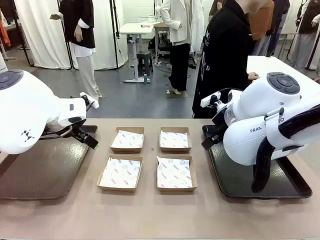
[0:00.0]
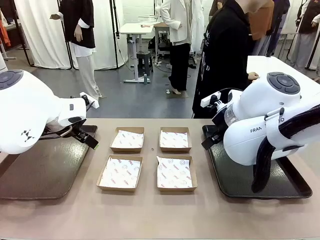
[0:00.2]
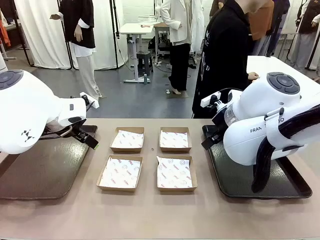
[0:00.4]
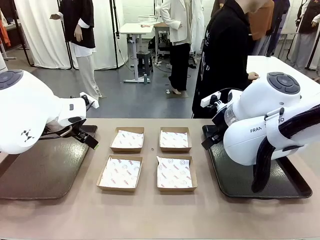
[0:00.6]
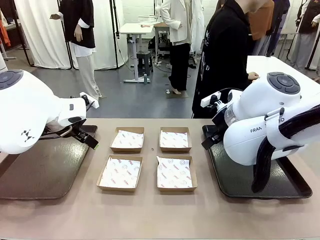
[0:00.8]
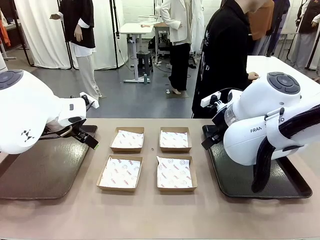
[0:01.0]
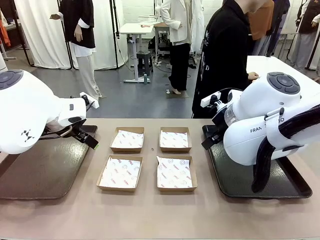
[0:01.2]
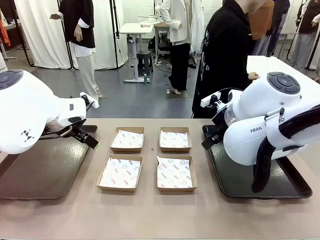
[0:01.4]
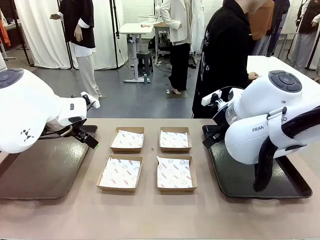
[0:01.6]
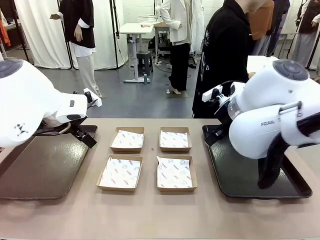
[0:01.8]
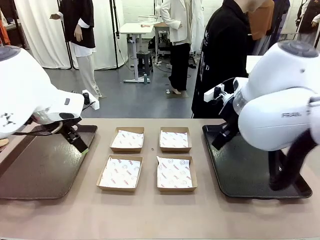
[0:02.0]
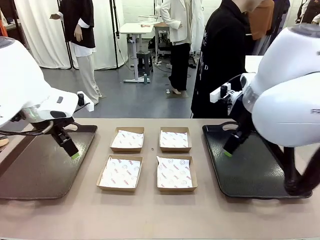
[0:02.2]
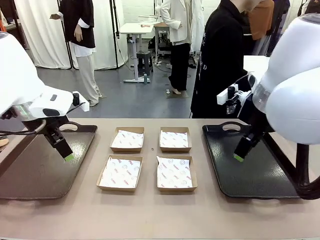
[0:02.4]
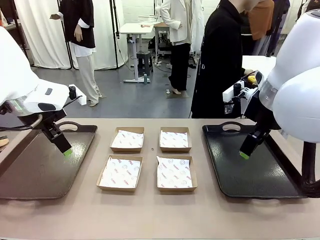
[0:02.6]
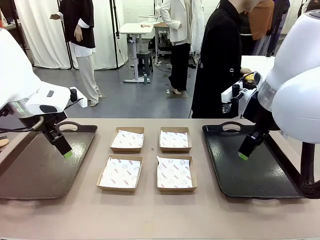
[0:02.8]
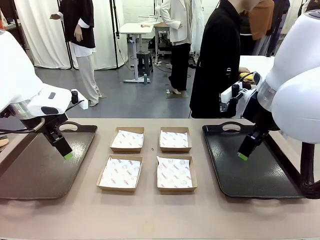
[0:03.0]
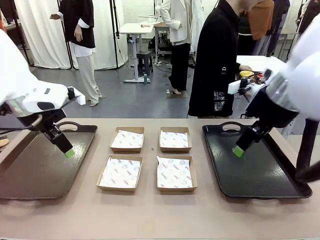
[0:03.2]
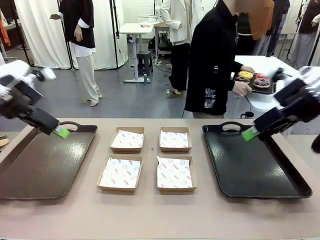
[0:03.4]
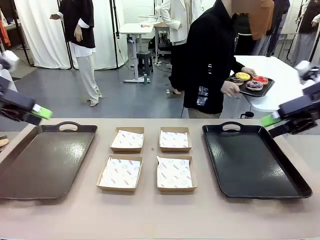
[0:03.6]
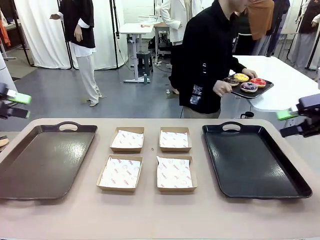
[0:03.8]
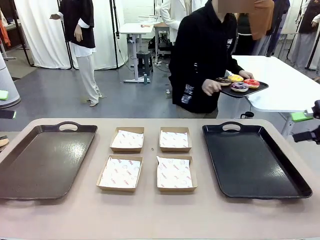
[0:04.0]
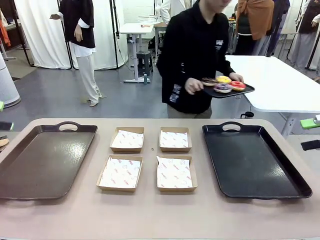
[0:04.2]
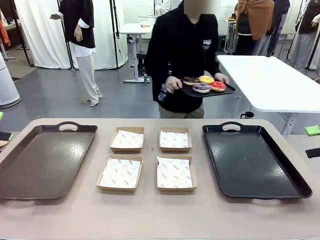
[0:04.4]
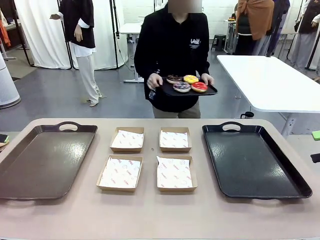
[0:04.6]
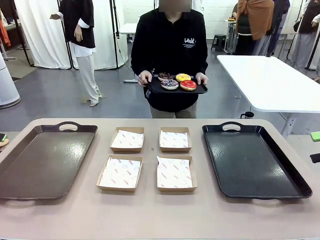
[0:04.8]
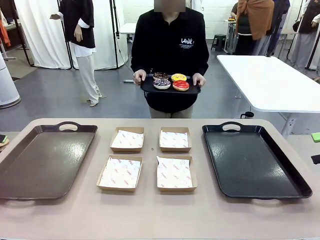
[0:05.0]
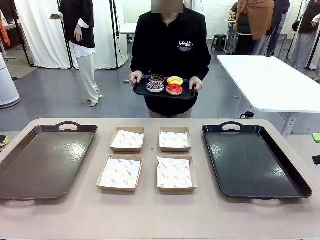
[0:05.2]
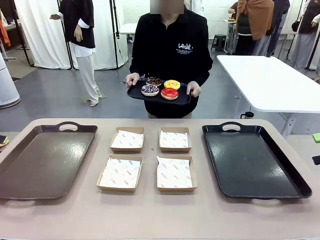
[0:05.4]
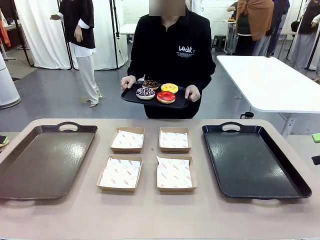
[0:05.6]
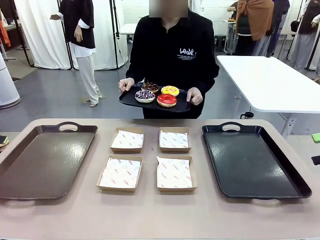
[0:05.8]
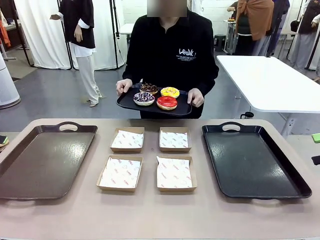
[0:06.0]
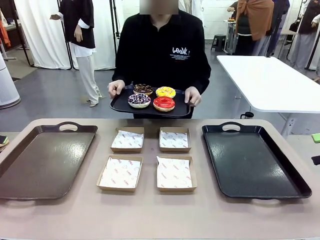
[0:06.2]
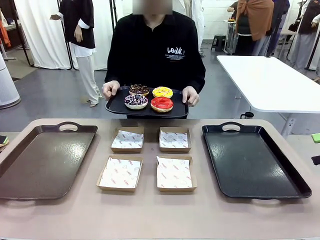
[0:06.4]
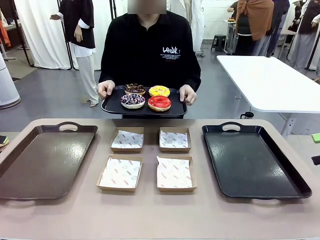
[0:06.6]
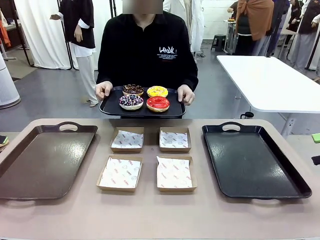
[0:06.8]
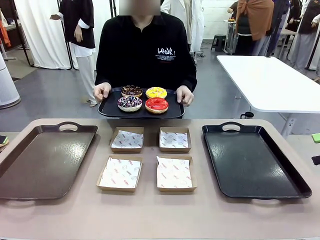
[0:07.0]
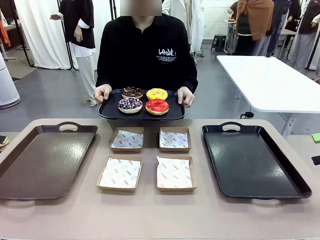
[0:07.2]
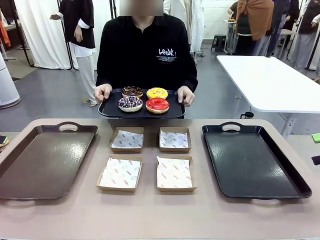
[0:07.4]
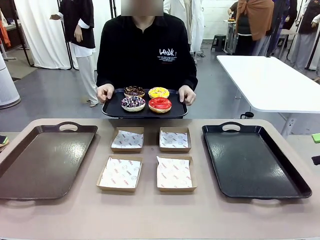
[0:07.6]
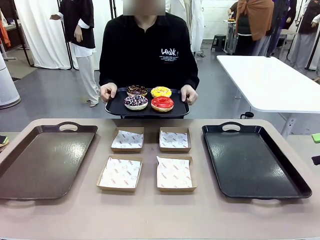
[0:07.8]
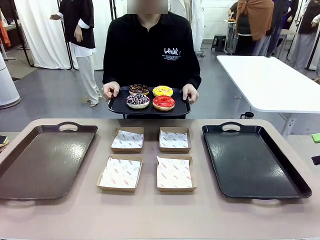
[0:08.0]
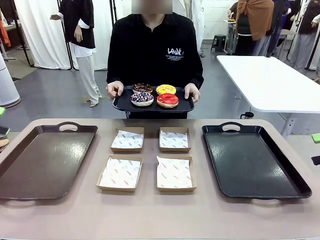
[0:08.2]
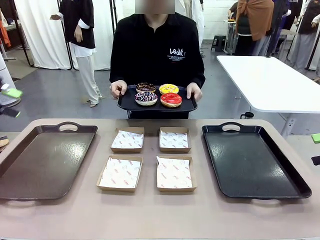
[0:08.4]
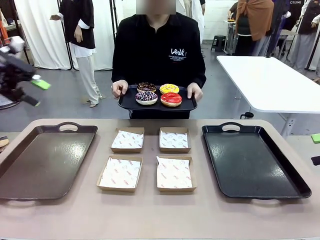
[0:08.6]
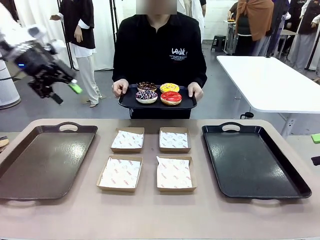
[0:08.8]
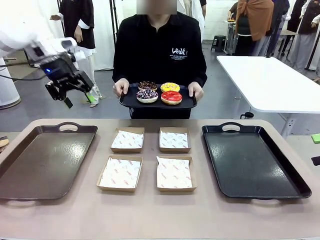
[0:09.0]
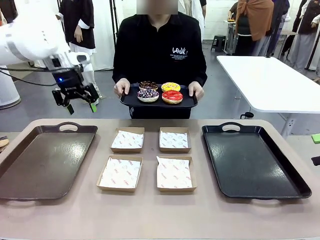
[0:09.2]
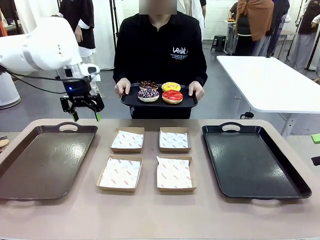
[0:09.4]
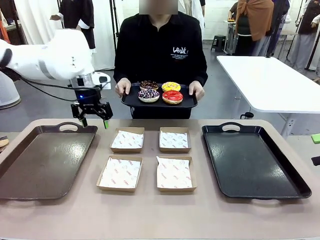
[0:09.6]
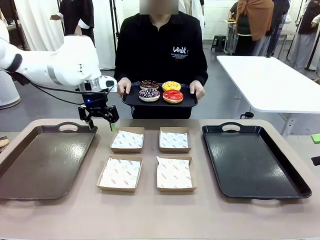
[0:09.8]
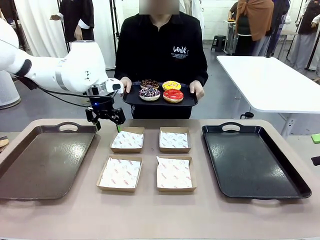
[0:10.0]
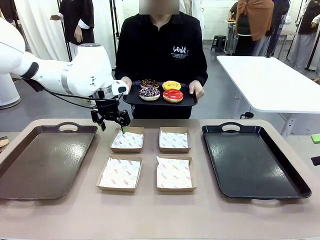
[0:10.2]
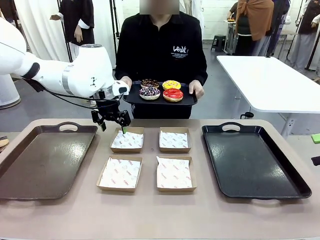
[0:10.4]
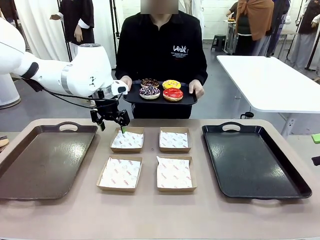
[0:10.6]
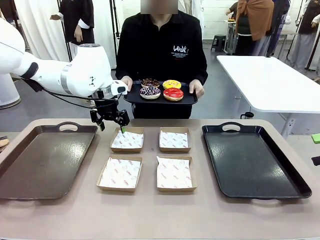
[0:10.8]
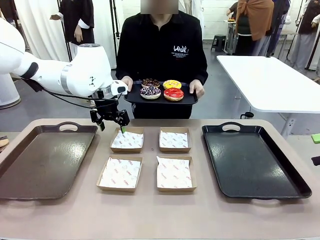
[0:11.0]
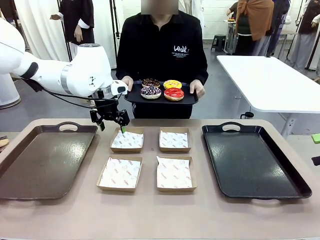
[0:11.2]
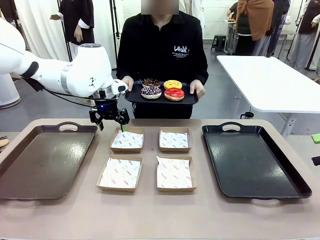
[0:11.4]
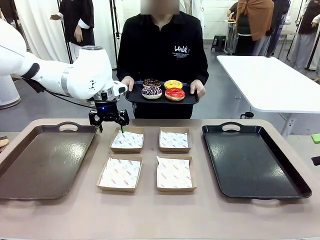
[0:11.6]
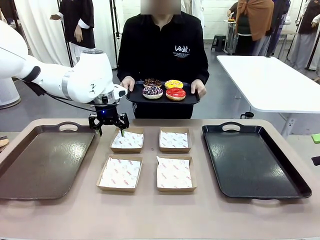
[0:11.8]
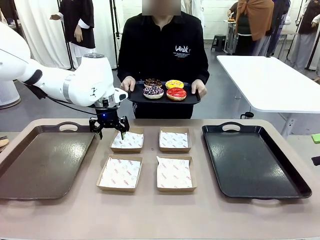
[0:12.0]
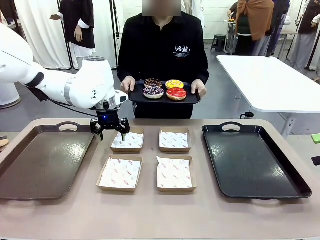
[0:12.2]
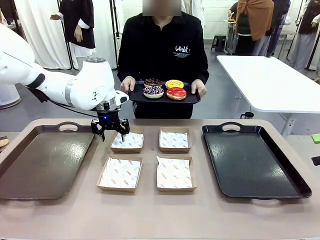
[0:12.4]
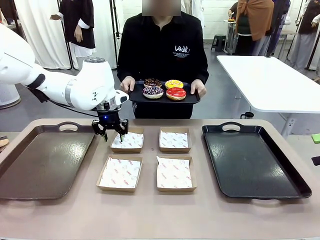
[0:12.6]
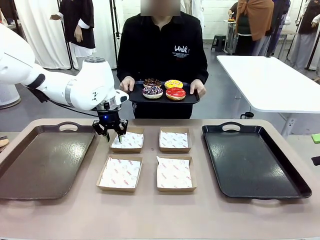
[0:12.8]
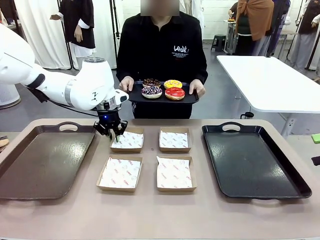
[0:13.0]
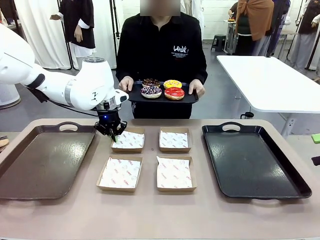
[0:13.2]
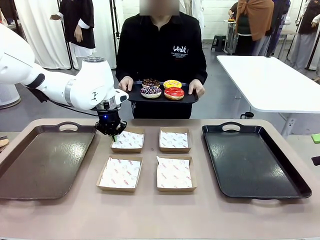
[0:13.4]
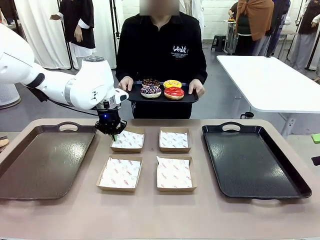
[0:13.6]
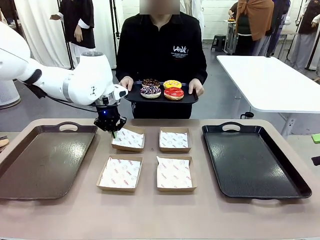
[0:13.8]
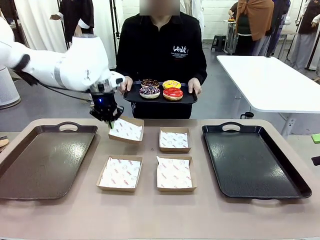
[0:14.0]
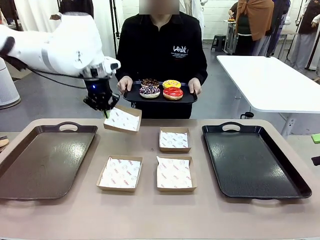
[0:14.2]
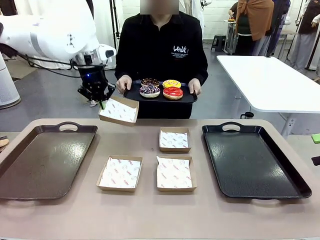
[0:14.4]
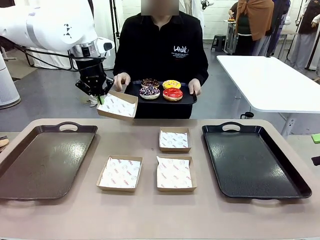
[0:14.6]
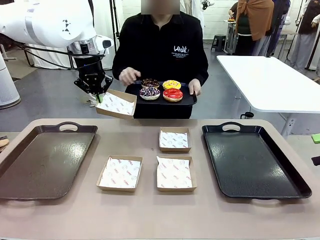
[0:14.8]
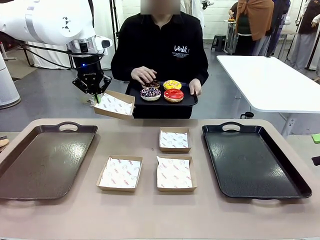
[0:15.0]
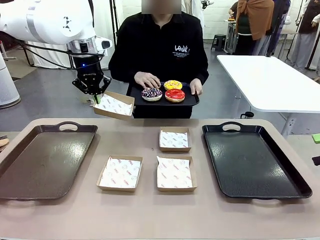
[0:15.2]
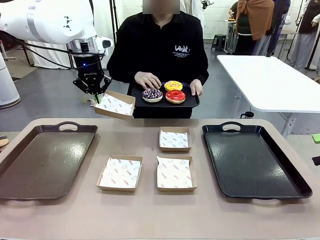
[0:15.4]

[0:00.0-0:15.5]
Task: Individually package the donuts and arrange them on the tray.
Robot: Pick up one Paper togo box.
Person: Stand in front of the robot table holding the tray containing the donuts.
